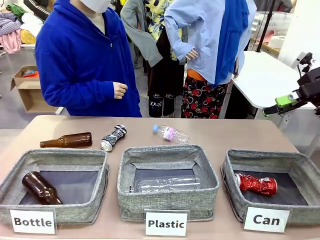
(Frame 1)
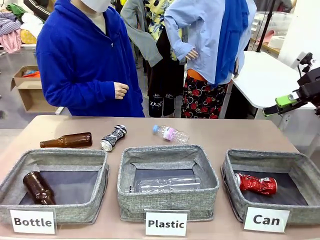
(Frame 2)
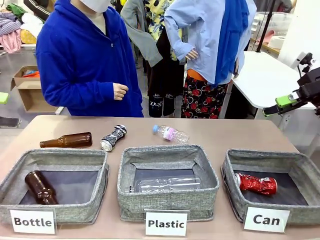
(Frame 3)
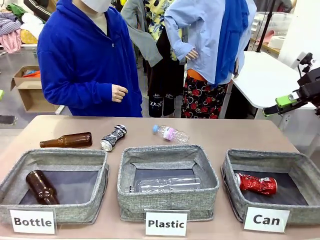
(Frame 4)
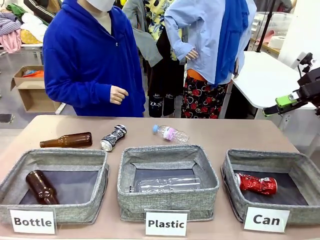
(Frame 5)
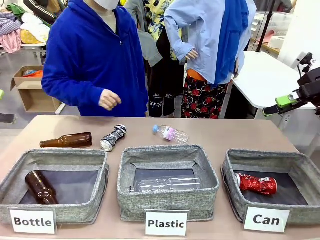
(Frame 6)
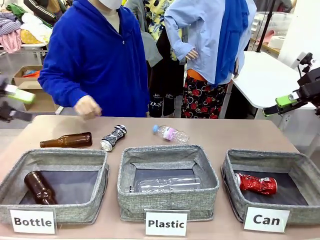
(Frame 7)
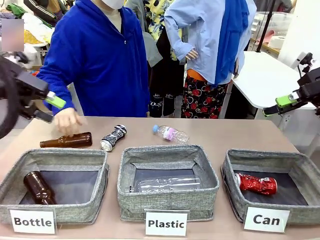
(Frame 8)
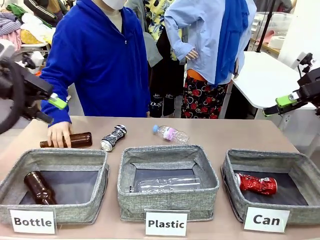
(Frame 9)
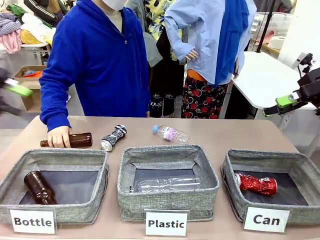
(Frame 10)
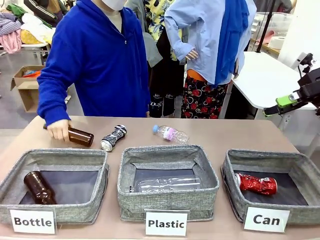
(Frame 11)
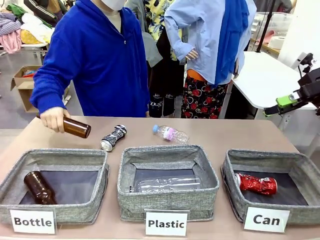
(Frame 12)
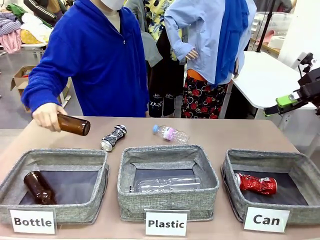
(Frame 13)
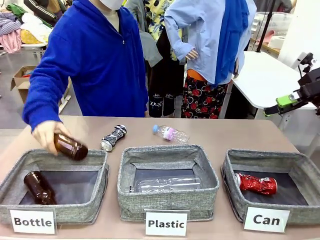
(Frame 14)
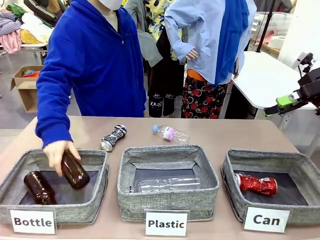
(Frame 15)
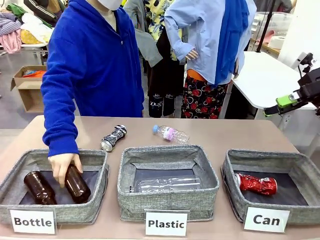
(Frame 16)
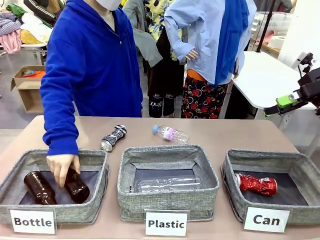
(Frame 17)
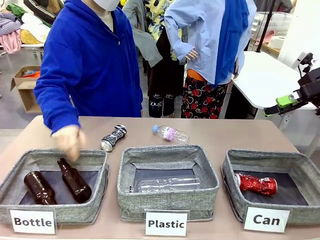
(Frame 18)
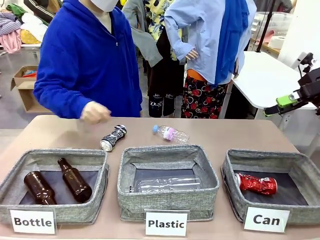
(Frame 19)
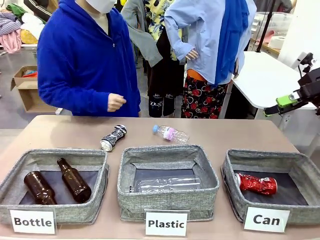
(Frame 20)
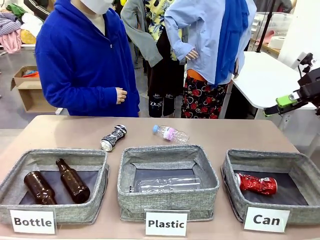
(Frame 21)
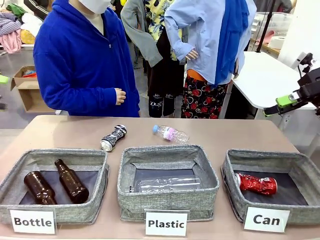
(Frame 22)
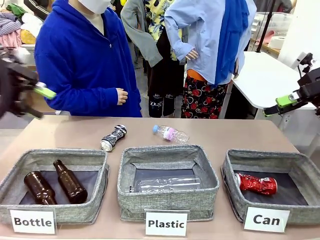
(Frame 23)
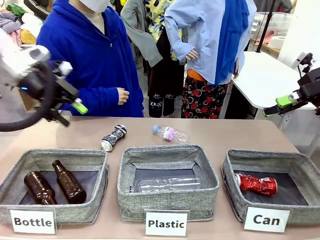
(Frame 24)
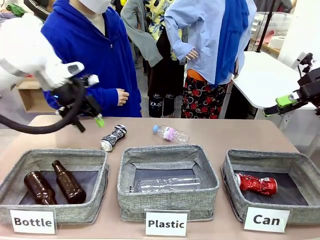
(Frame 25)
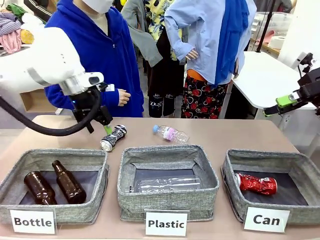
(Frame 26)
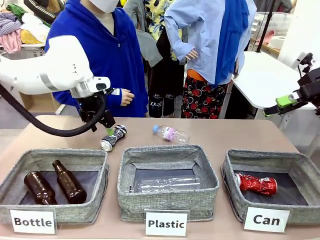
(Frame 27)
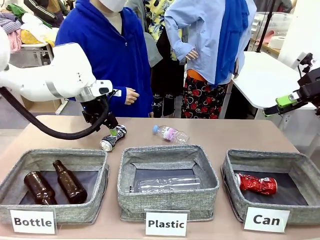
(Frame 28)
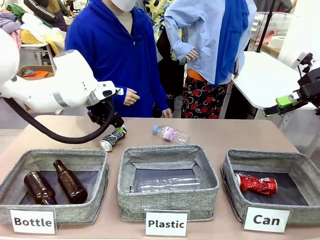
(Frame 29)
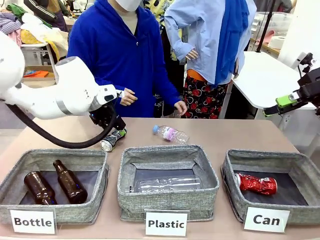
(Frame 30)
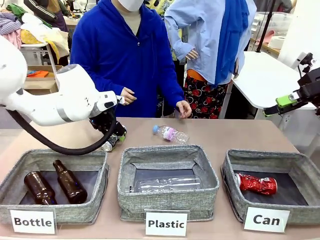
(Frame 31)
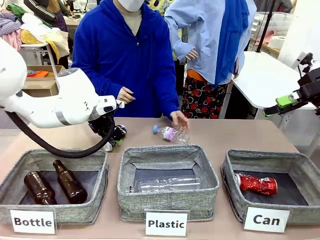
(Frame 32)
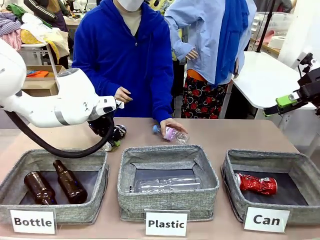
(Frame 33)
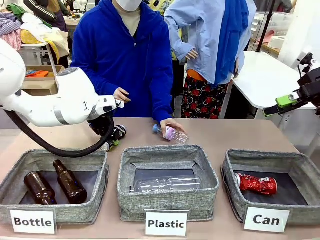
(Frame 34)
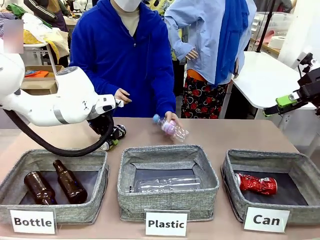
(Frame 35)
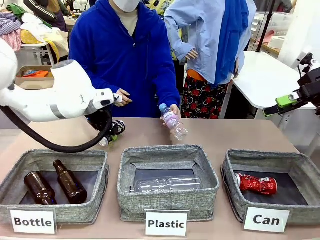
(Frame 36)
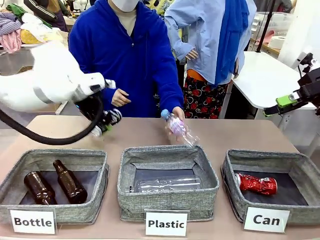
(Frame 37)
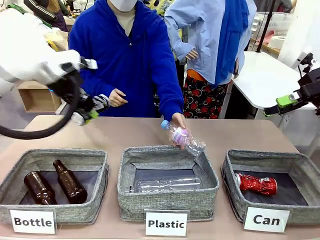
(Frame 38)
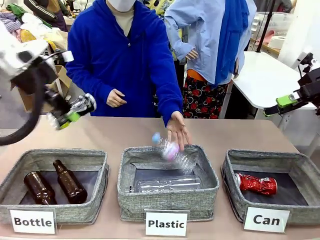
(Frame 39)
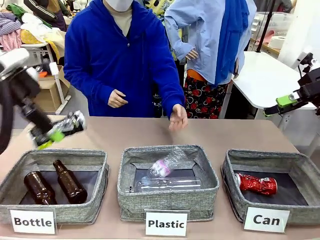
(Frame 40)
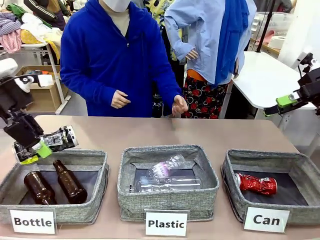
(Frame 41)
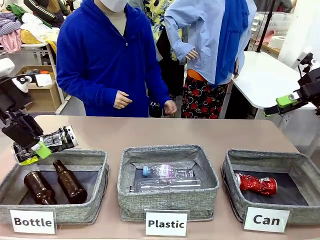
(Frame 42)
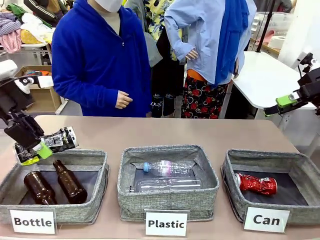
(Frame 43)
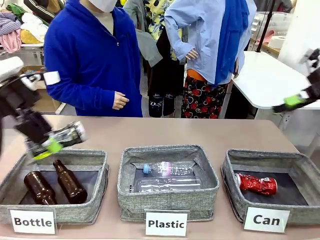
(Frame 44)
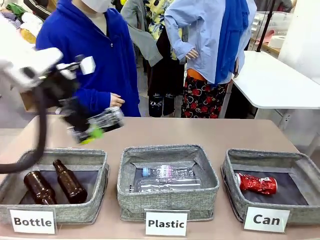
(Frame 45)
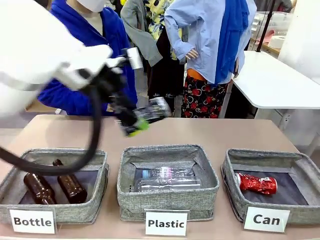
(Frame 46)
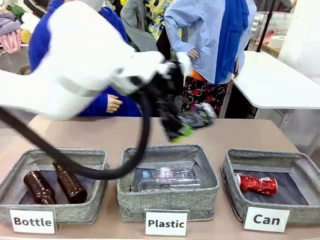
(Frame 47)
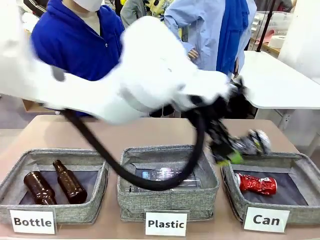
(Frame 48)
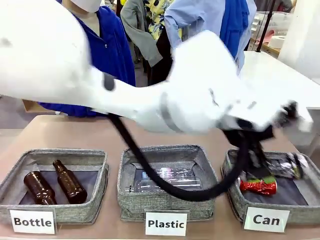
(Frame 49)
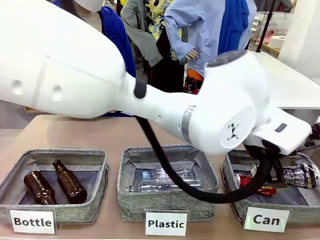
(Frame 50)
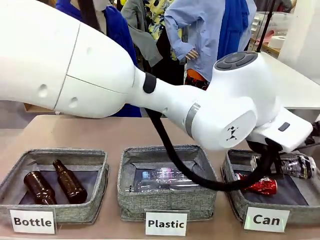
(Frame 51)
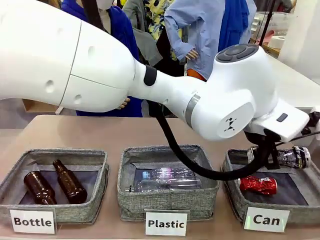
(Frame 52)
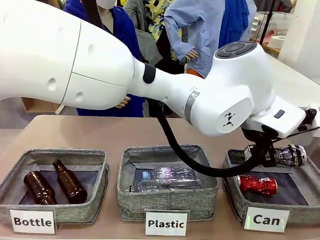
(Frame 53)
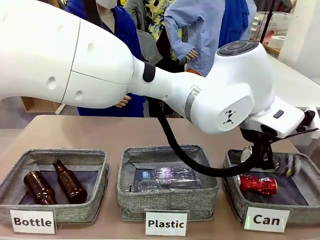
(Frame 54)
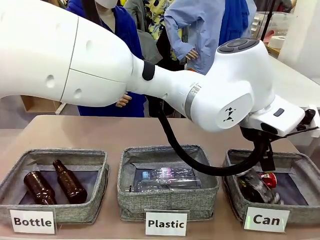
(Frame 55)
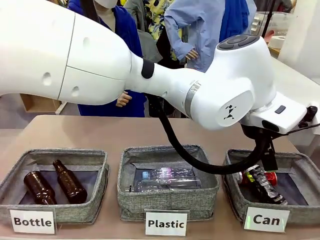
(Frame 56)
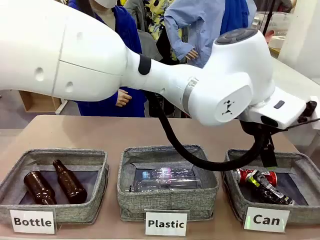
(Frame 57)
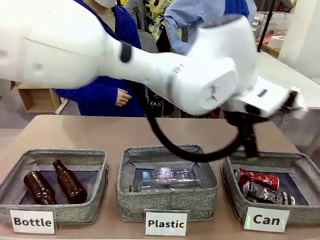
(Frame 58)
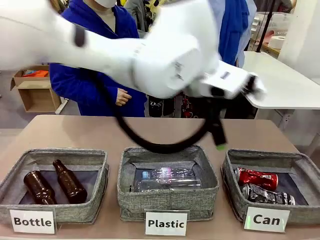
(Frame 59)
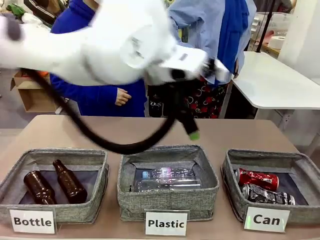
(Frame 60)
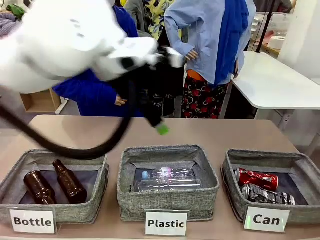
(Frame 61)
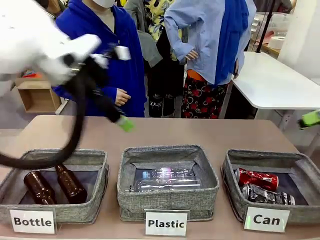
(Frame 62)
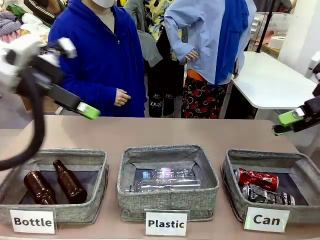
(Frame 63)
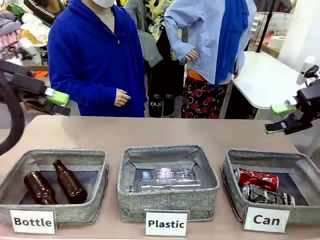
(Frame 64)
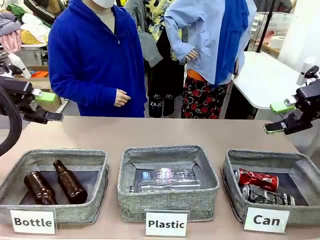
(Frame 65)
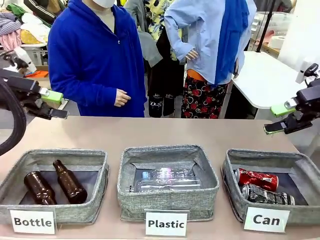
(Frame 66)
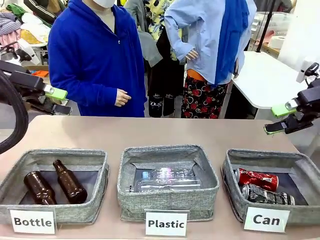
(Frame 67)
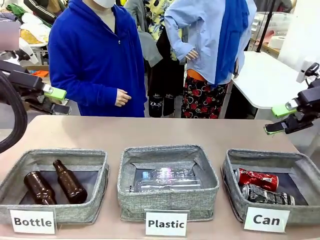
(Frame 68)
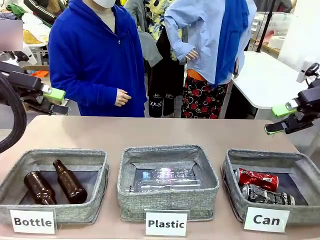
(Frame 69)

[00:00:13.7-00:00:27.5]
Task: Sort the can waste into the basket.
Robot: Pick up the can waste from the table and place it in the right Fabric basket.
Person: The human picks up one piece of trash that is not a can and places the trash into the appropriate organizing basket.

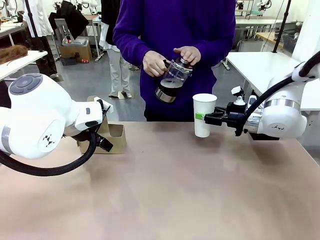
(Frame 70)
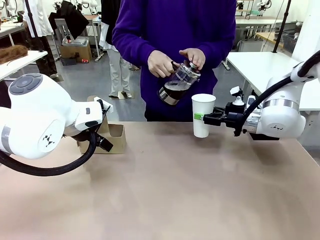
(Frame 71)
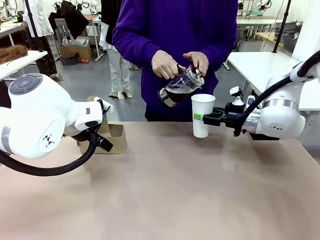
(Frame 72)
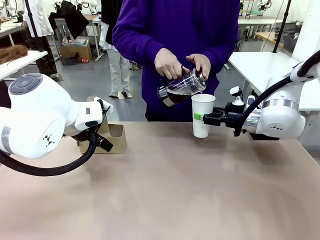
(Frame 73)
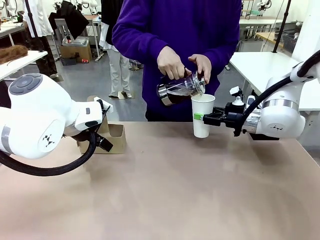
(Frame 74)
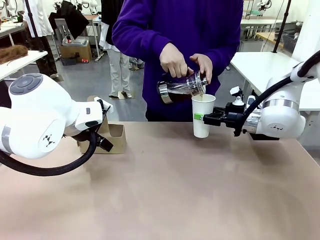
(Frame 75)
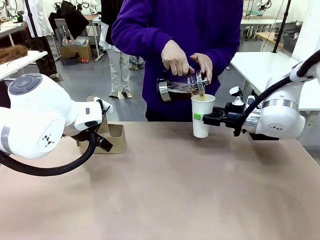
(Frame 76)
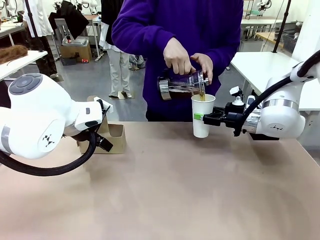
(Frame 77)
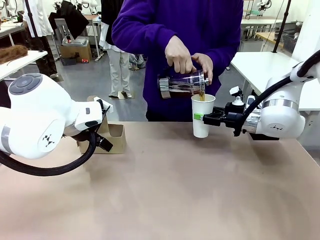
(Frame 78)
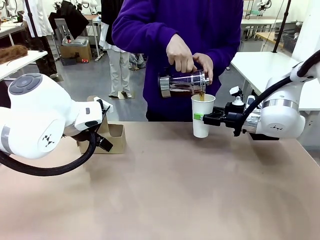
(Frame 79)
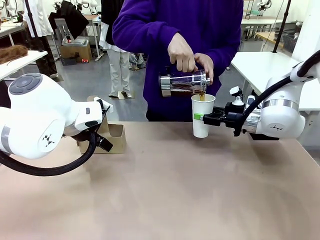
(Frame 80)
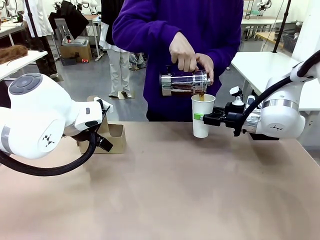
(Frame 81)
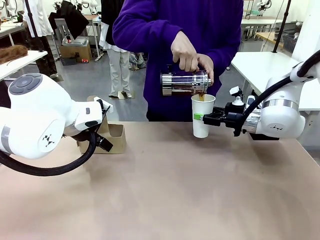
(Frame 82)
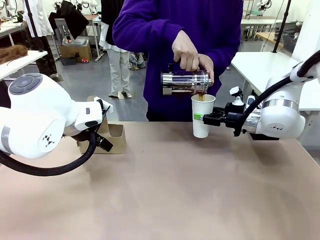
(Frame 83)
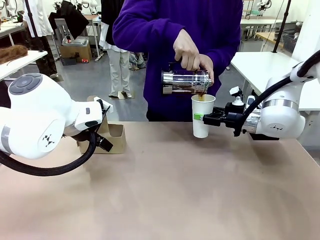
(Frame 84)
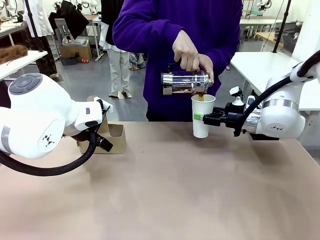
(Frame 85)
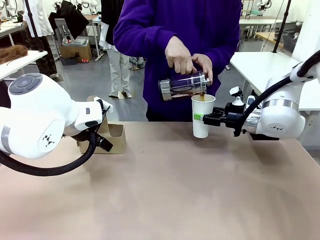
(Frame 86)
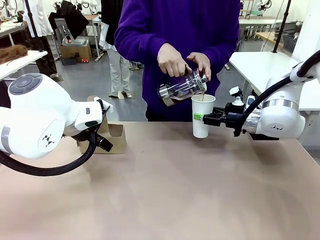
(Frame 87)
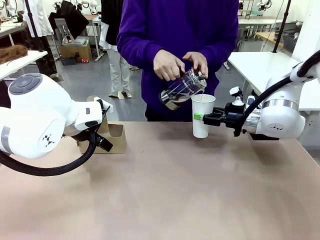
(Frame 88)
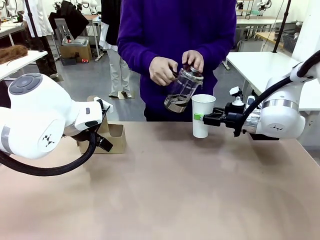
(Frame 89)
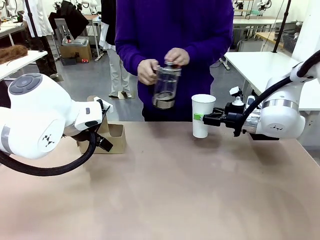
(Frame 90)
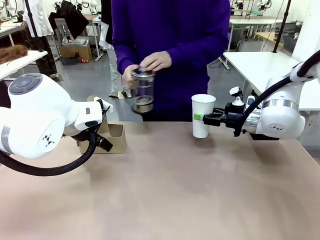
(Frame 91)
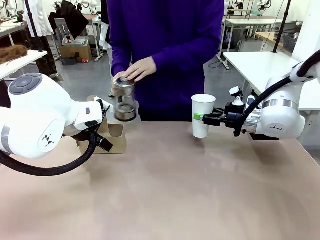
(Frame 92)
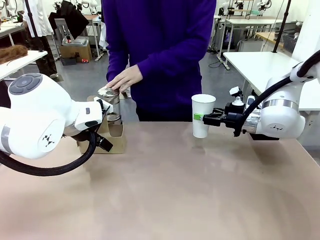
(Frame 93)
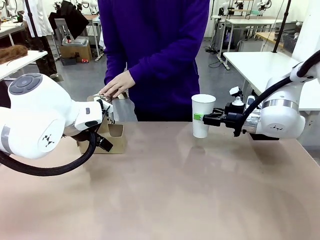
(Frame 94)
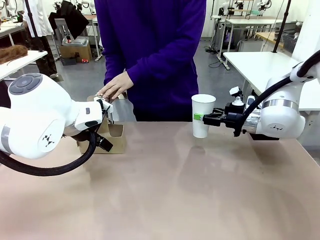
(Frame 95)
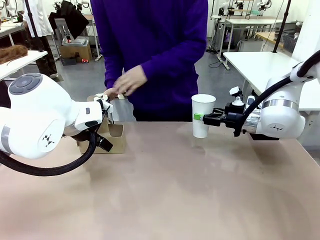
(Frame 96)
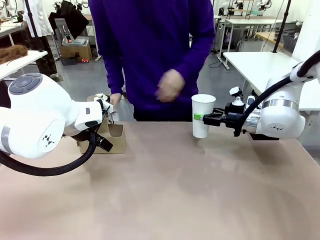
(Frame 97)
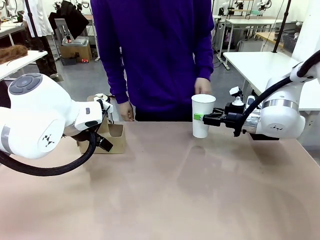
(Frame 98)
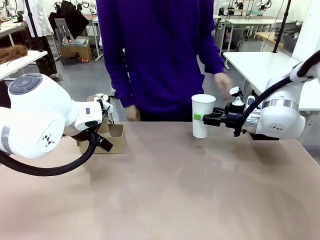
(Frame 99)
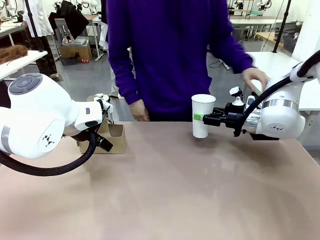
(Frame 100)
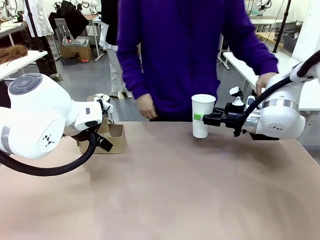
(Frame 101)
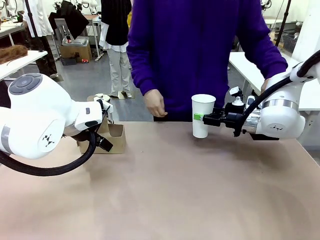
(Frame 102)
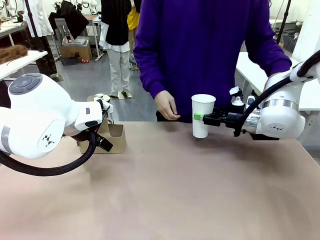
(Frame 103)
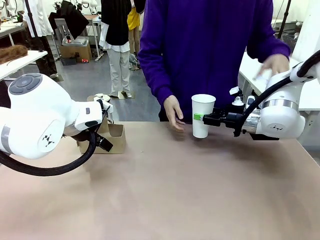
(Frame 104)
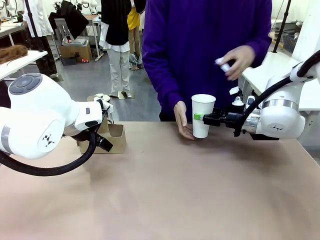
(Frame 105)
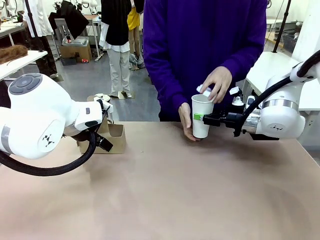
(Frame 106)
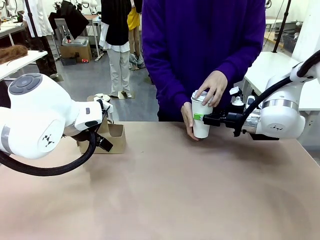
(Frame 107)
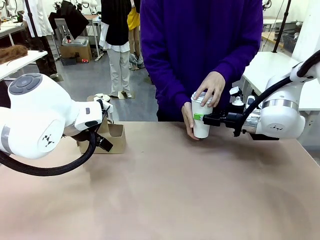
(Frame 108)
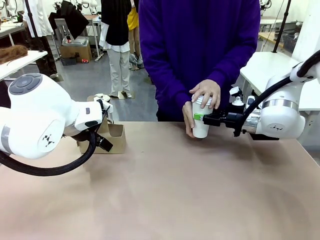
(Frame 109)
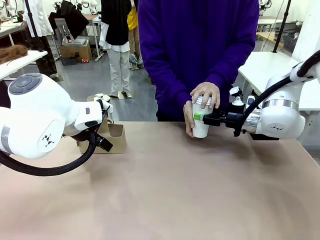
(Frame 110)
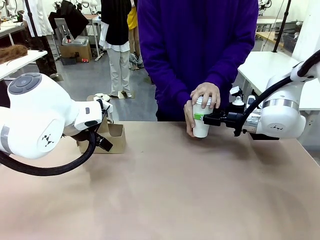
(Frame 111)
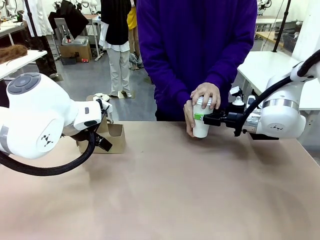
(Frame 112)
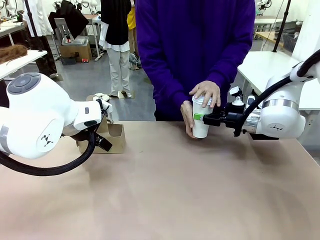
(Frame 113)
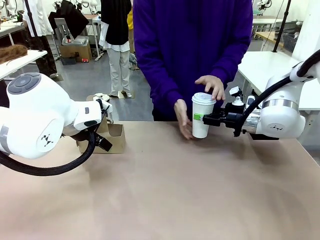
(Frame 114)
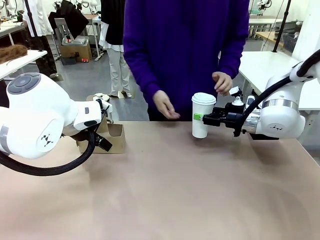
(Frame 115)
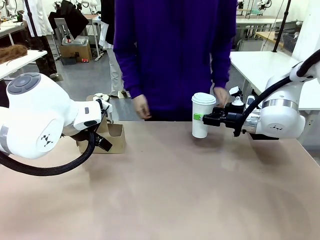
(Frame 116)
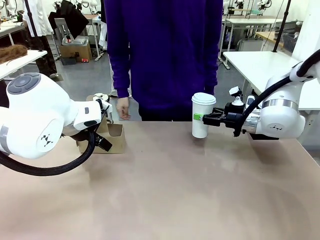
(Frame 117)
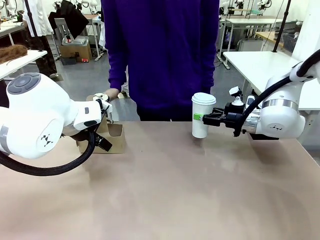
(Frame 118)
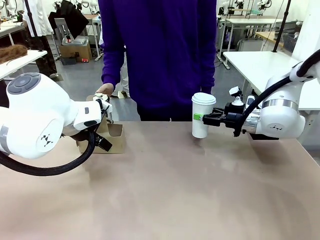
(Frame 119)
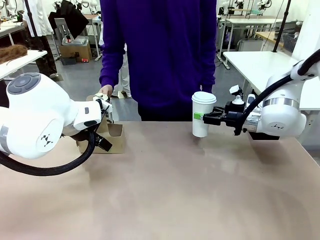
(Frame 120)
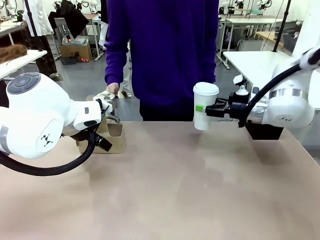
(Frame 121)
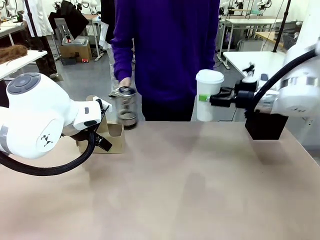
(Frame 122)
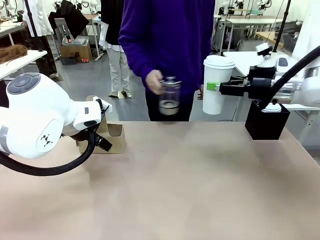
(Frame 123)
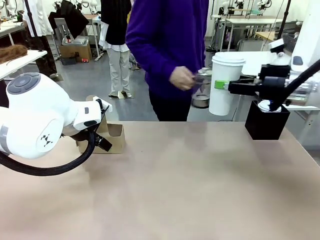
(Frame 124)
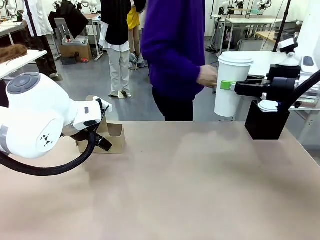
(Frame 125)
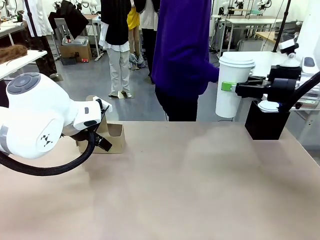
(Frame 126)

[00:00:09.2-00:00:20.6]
Task: Pour a drink into a cup and package it in a carrier.
Robot: When a person places the Paper Cup Lid on the 600 ml Paper Cup , lift the 600 ml Paper Cup.
Person: Pour the drink from the Filter Brewing into the 600 ml Paper Cup. Place a Paper Cup Lid on the 600 ml Paper Cup.
